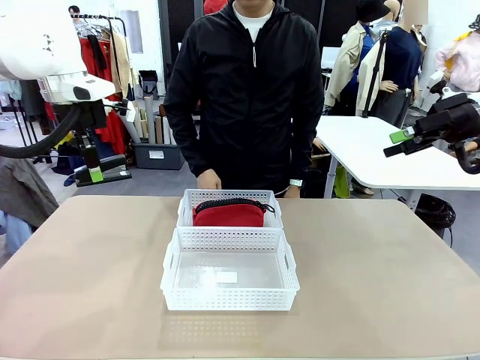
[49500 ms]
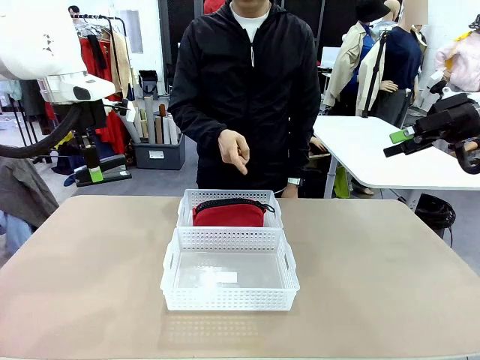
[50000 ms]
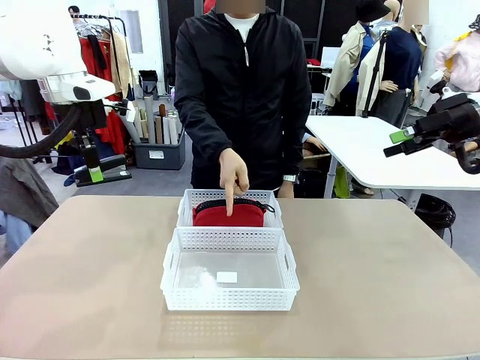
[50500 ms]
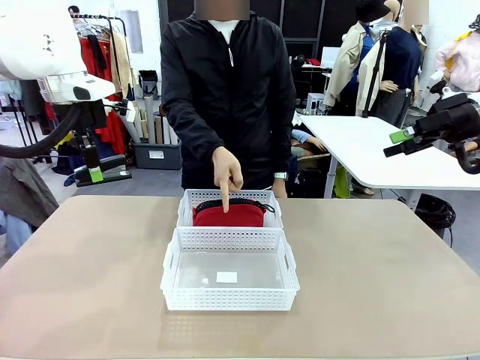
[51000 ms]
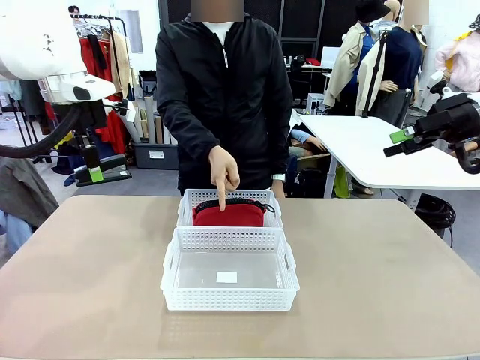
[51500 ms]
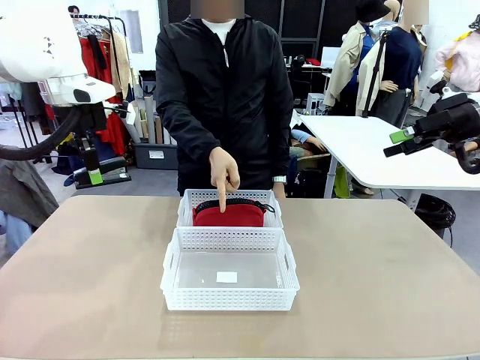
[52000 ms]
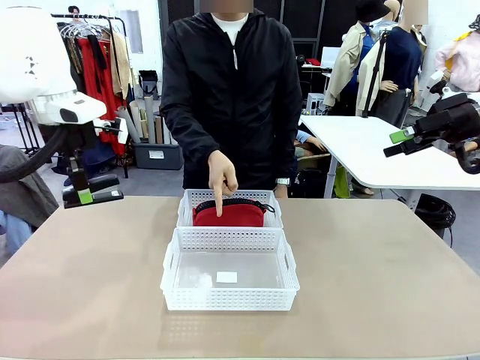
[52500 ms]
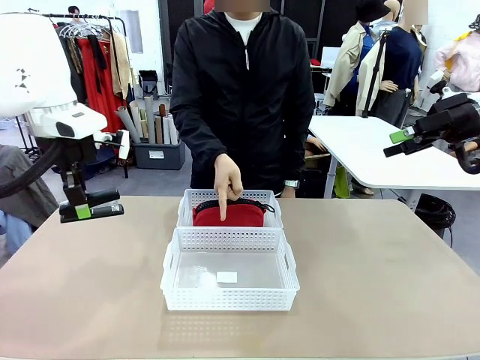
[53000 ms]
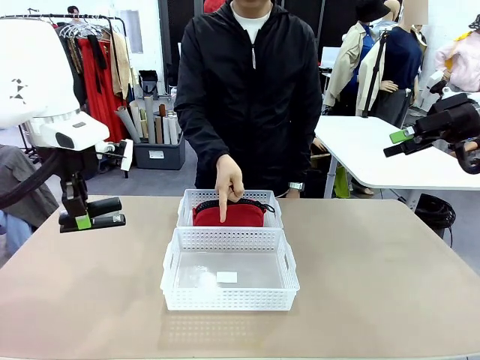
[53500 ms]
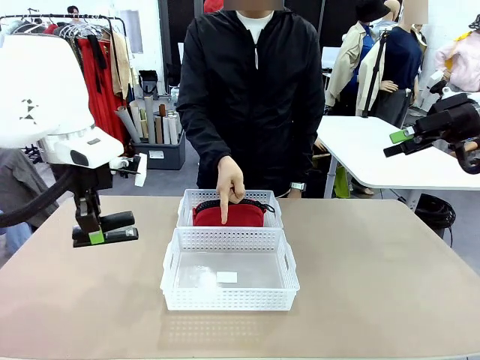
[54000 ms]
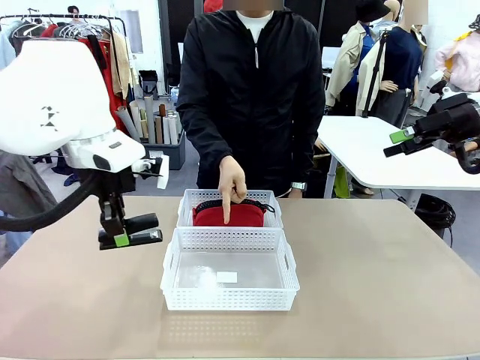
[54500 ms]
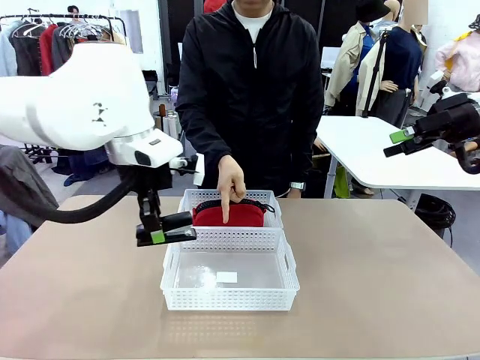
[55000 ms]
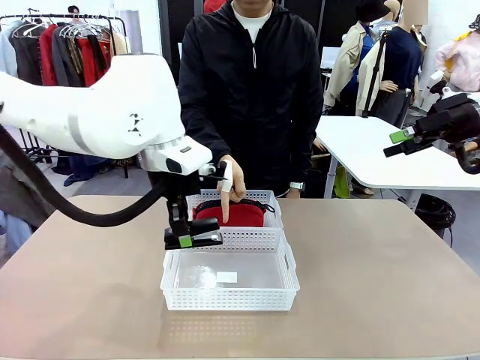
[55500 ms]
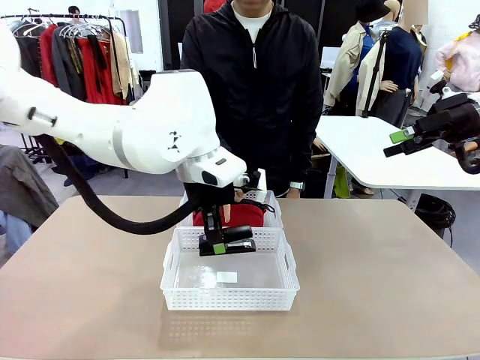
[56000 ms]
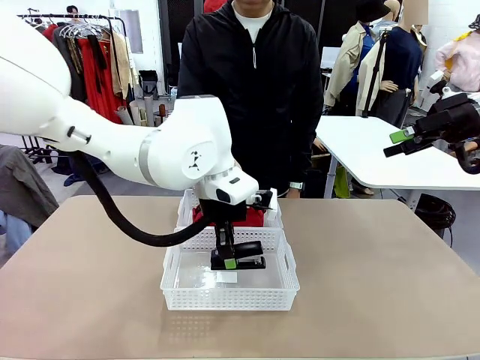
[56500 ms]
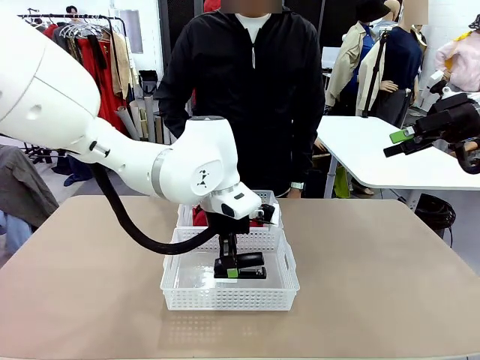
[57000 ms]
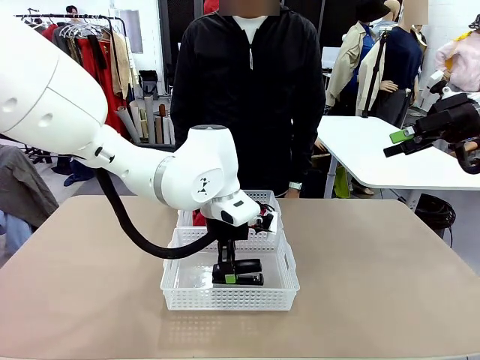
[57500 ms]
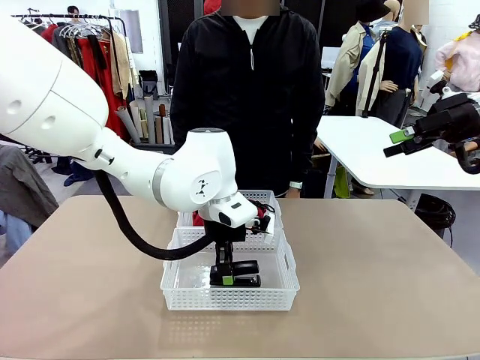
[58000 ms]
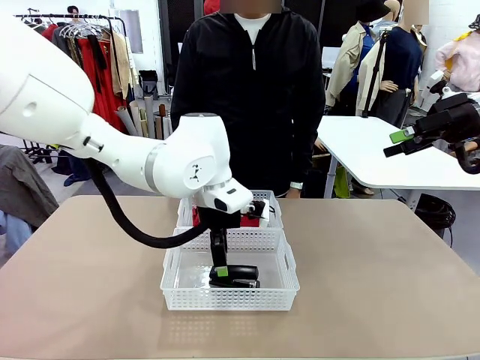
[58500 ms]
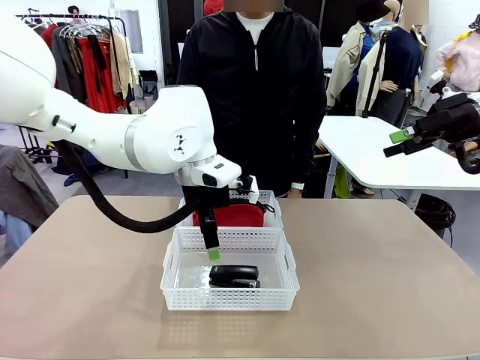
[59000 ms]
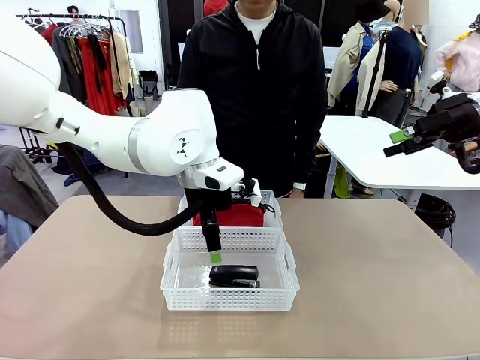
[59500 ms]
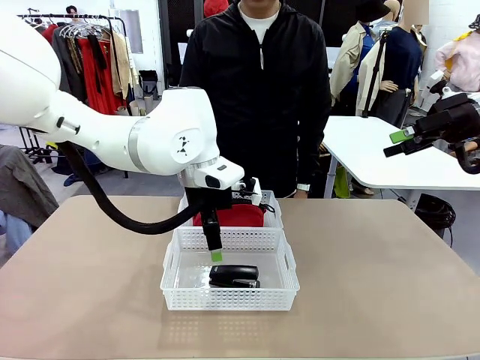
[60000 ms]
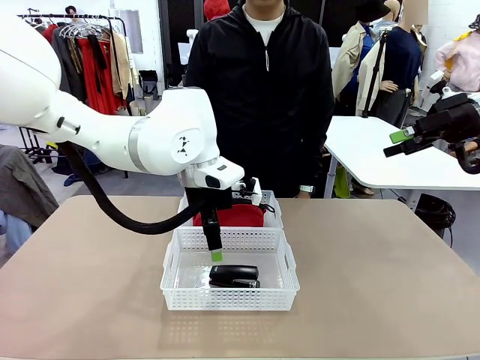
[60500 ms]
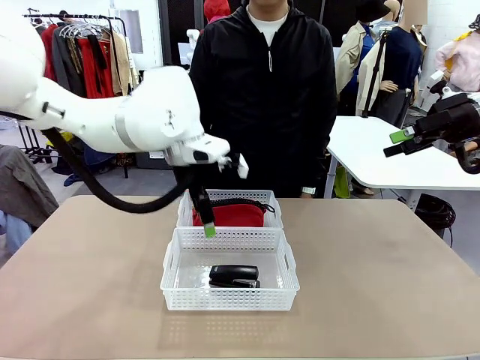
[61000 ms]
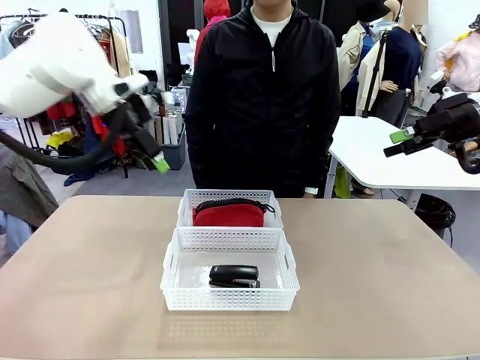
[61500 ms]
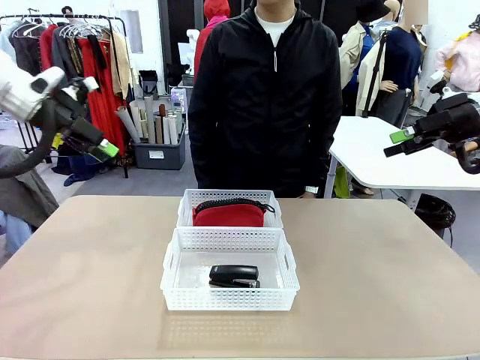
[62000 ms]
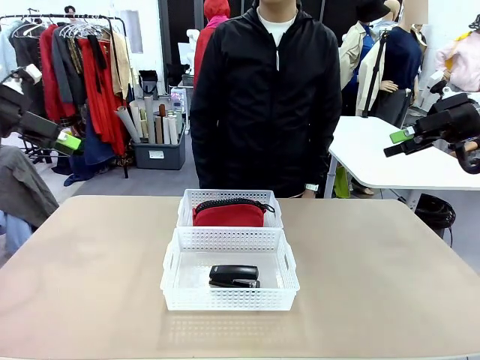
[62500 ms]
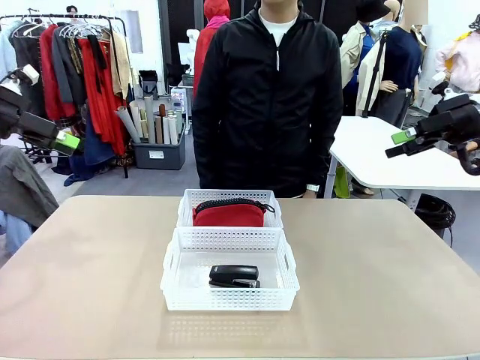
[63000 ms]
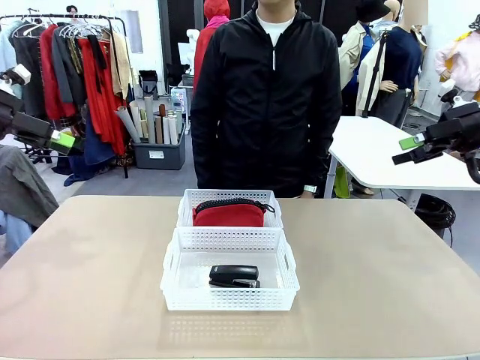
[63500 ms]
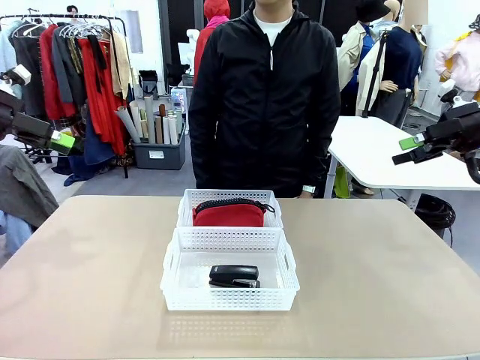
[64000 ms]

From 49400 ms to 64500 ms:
Task: Distribute items into two baskets.
Robot: Place the picked Stapler into the Organizing basket as instructed by the person.
Person: Points to the basket that does not contain the pencil case and instructs the robot to move the stapler there.

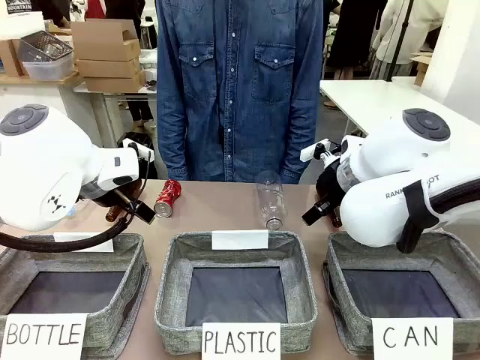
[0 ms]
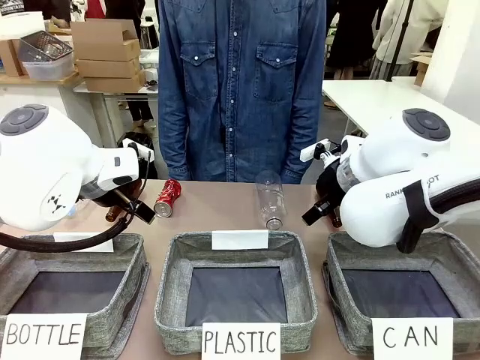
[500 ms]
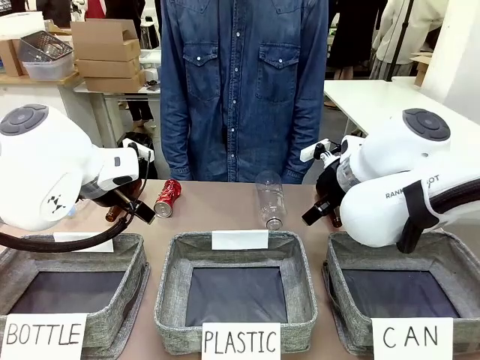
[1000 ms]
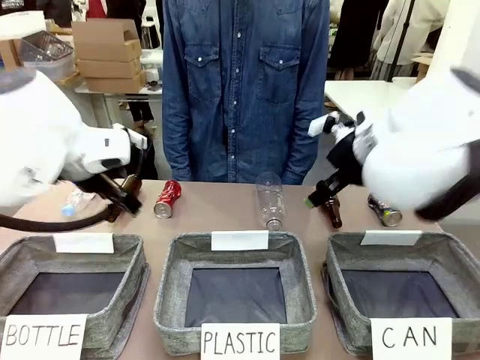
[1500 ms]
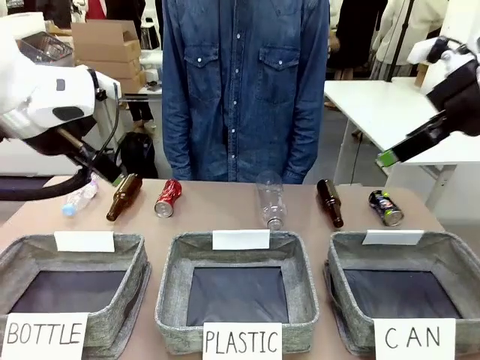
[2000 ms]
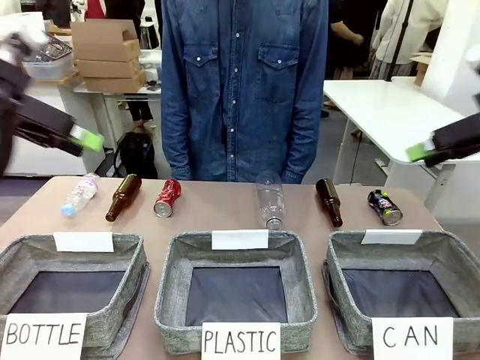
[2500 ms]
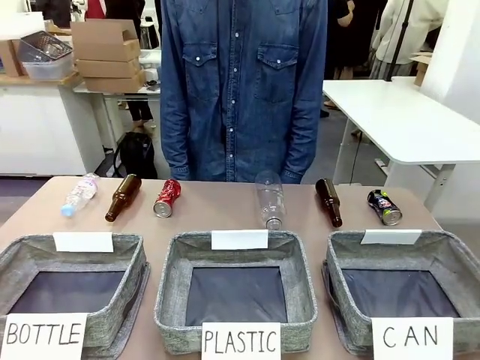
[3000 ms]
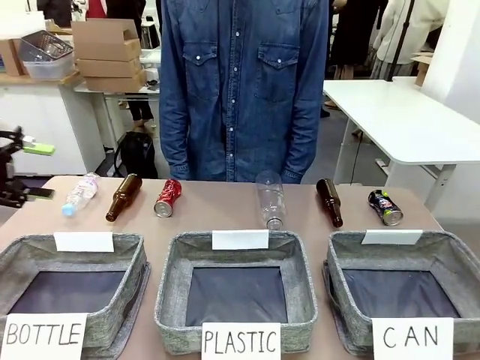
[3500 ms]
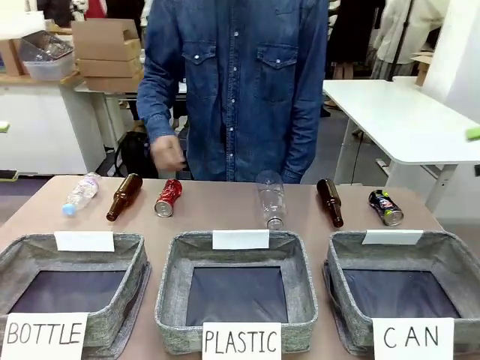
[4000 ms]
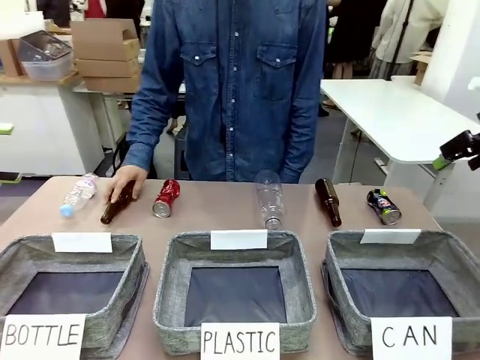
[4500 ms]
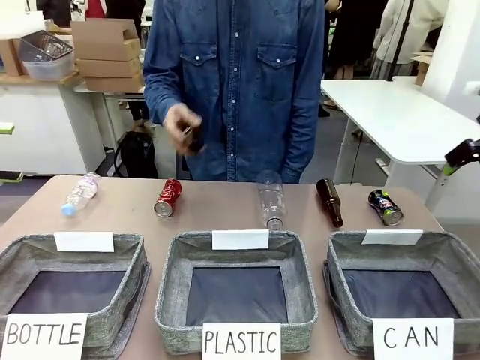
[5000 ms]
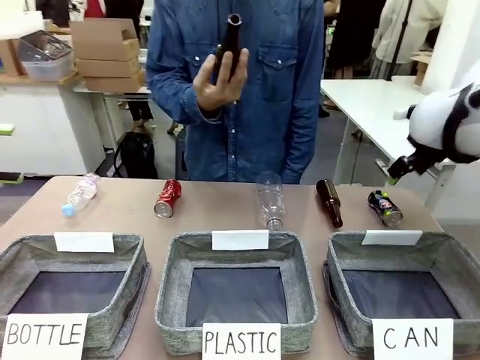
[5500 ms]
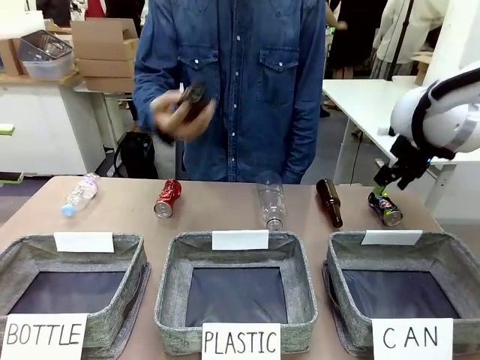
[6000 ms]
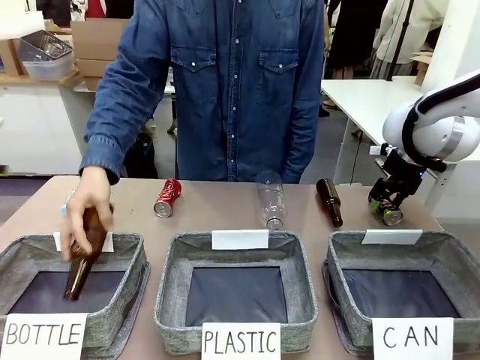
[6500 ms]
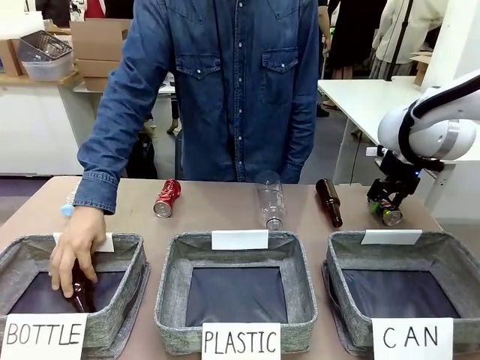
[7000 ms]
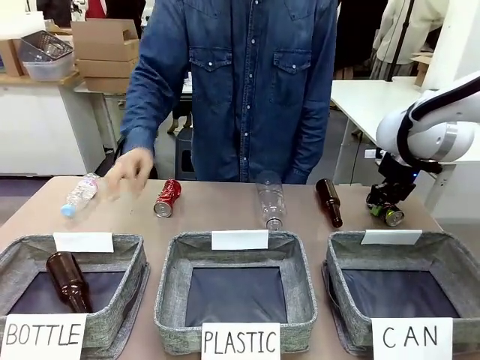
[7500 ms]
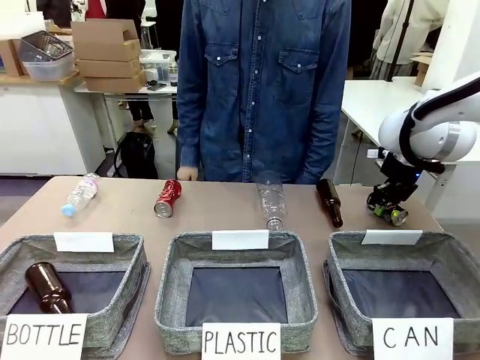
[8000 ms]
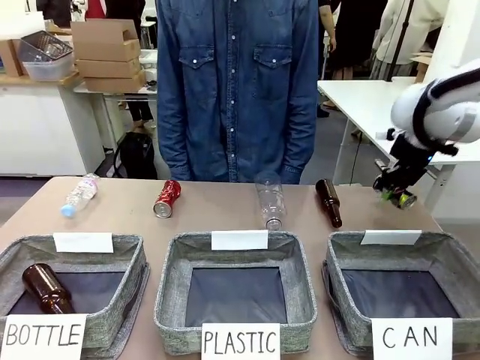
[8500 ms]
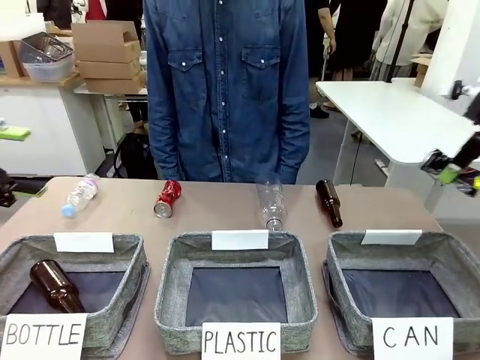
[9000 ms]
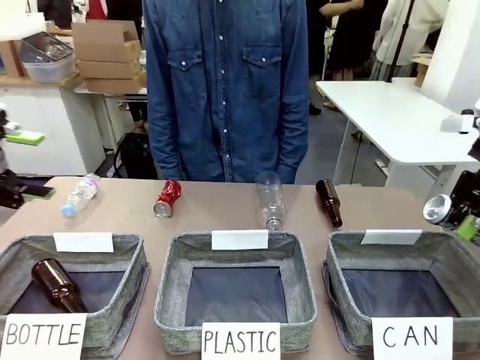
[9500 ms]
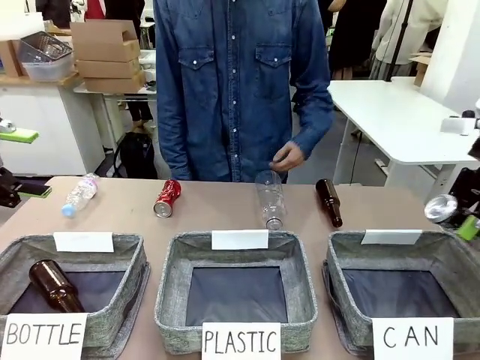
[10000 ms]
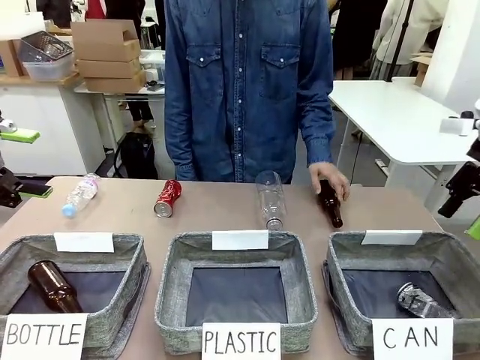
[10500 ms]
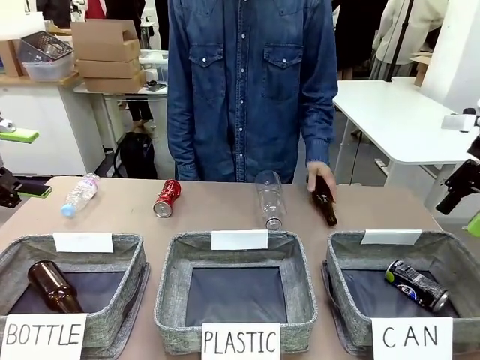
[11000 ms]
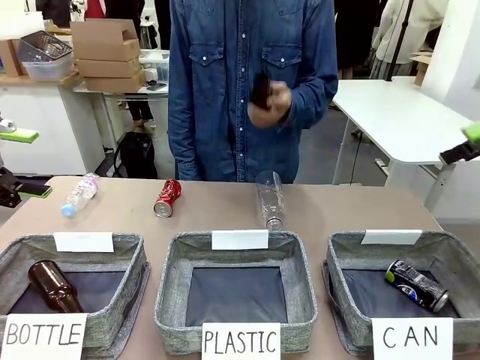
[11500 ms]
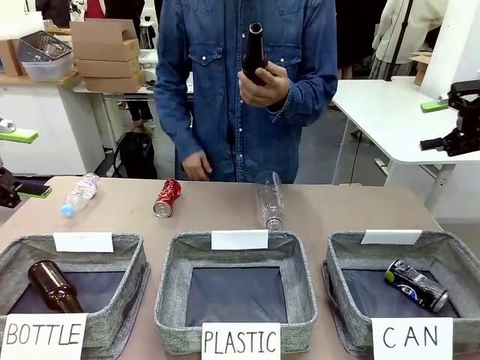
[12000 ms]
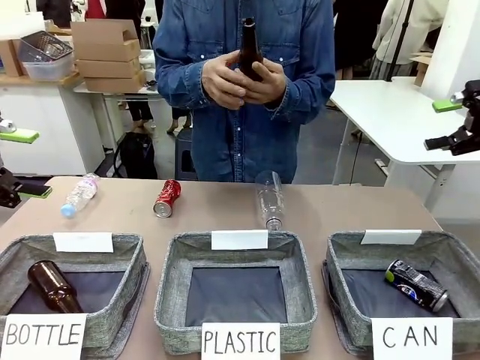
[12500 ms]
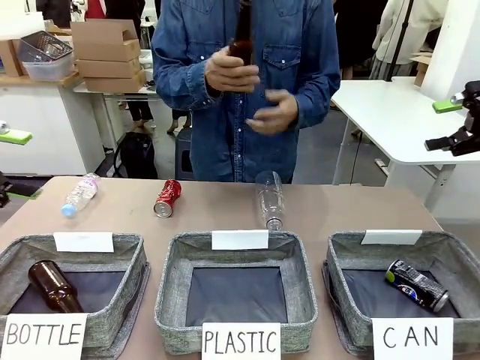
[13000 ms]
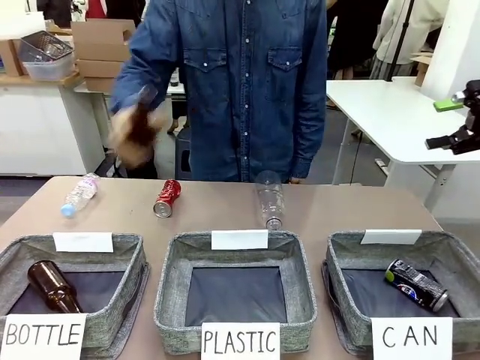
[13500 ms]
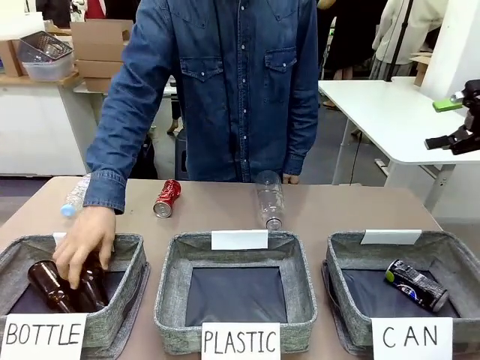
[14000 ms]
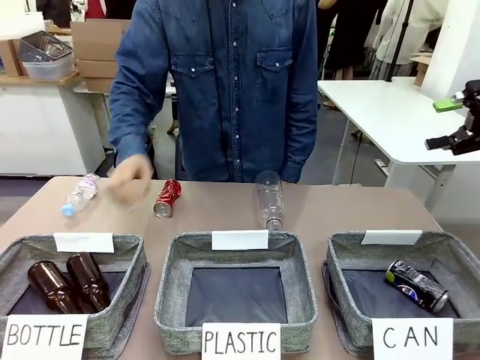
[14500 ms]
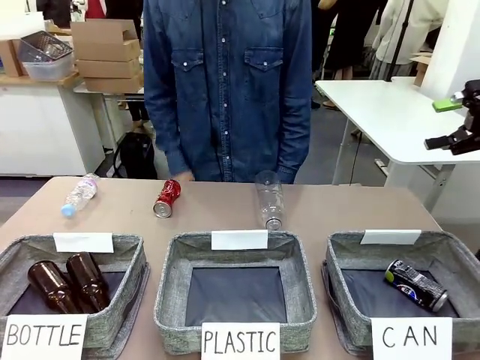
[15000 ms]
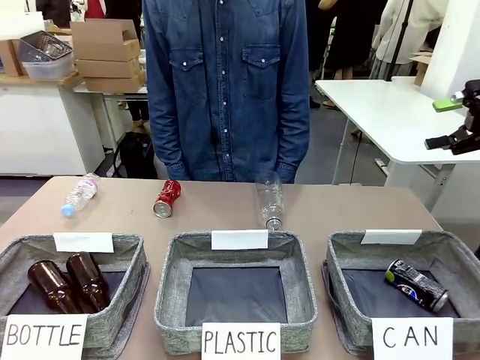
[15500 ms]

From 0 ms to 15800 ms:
Task: Sort the can waste into the basket.
Robot: Pick up the can waste from the table and place it in the right Fabric basket.
